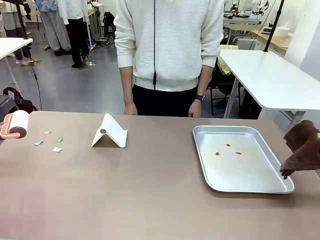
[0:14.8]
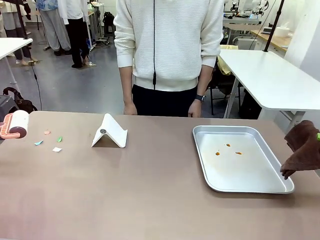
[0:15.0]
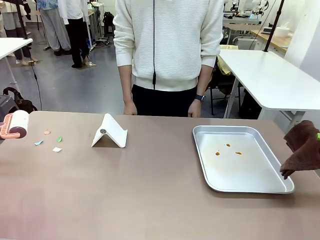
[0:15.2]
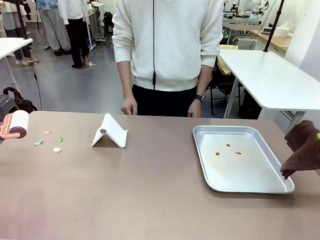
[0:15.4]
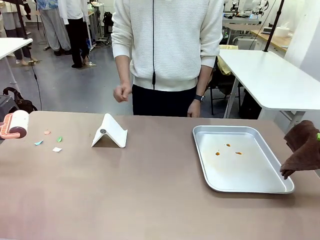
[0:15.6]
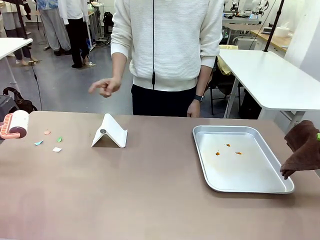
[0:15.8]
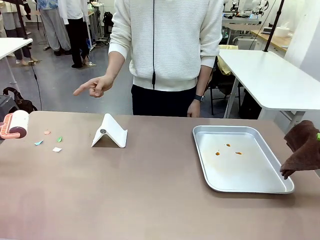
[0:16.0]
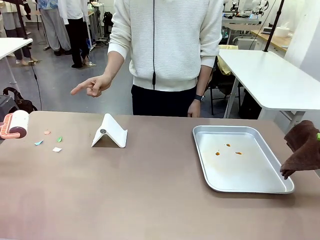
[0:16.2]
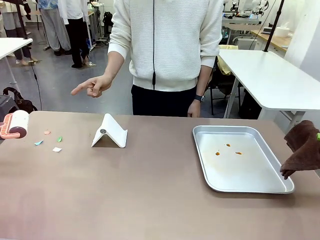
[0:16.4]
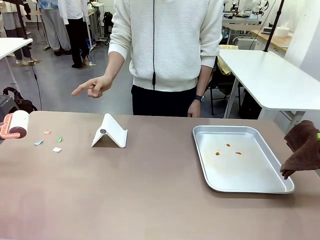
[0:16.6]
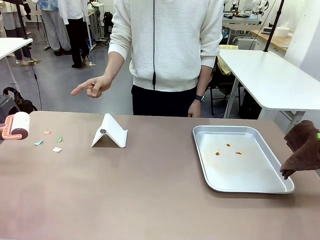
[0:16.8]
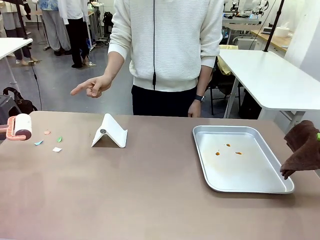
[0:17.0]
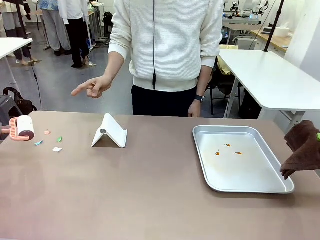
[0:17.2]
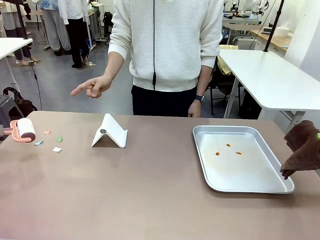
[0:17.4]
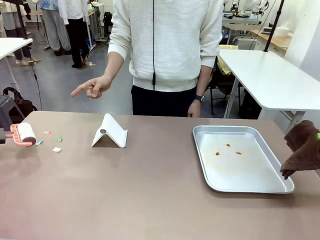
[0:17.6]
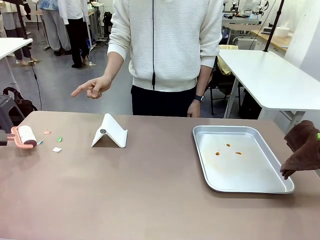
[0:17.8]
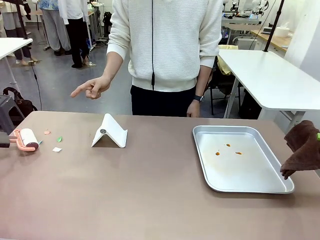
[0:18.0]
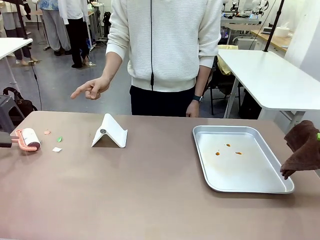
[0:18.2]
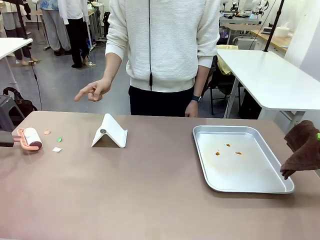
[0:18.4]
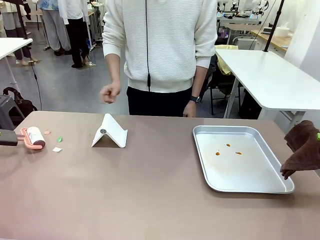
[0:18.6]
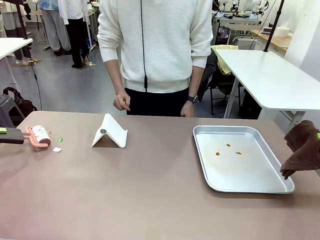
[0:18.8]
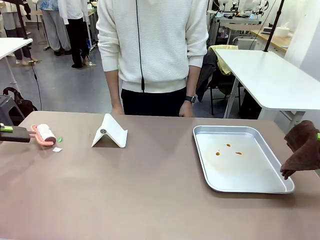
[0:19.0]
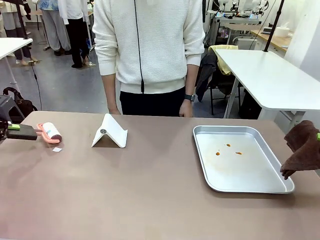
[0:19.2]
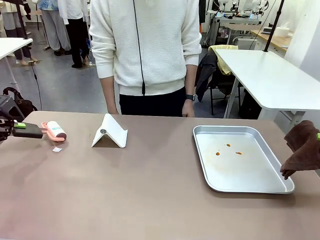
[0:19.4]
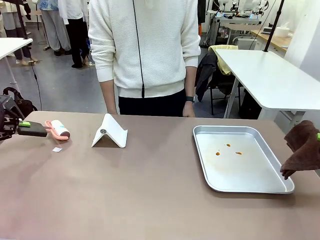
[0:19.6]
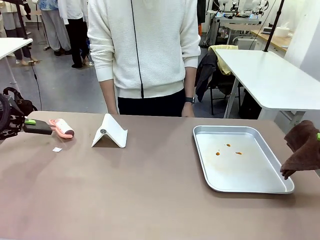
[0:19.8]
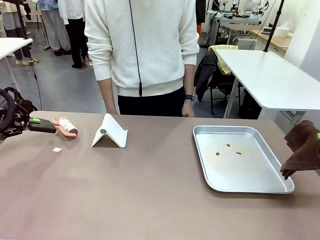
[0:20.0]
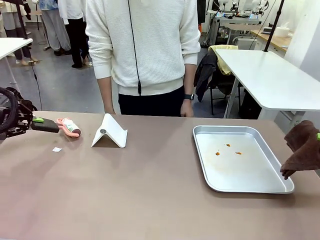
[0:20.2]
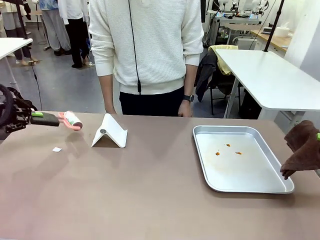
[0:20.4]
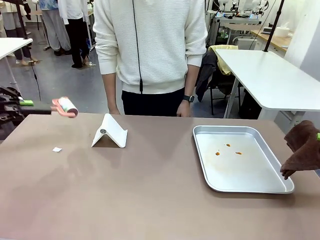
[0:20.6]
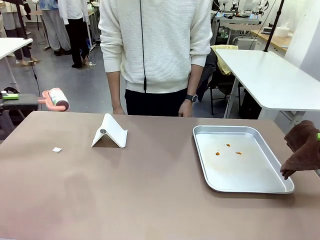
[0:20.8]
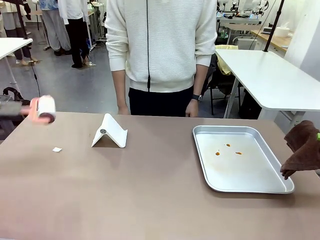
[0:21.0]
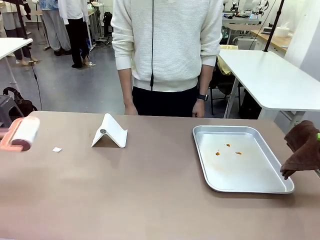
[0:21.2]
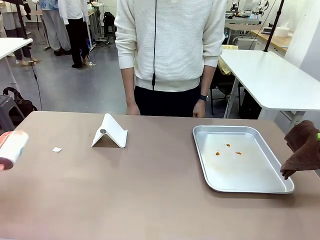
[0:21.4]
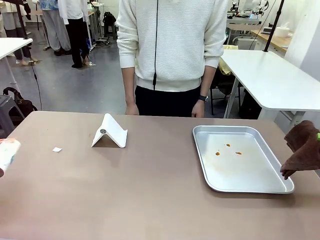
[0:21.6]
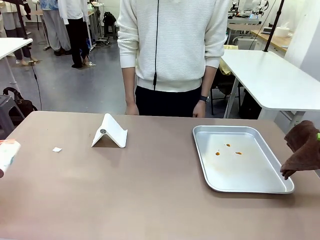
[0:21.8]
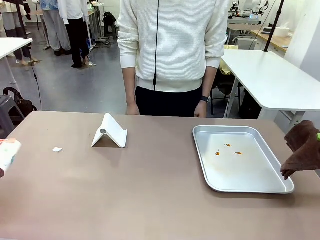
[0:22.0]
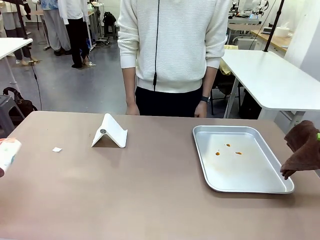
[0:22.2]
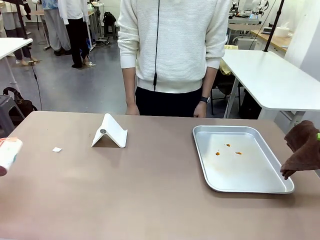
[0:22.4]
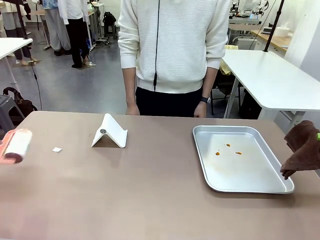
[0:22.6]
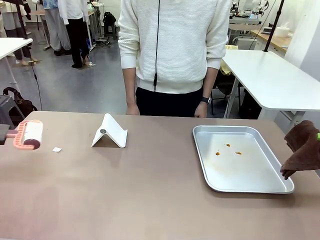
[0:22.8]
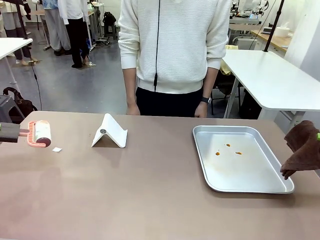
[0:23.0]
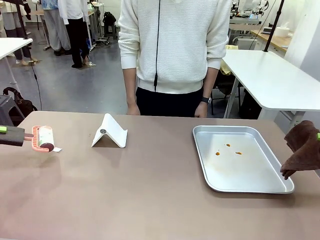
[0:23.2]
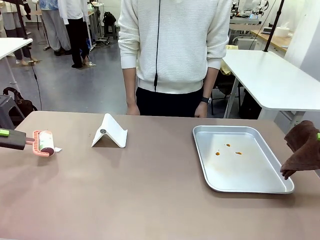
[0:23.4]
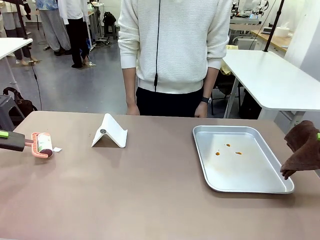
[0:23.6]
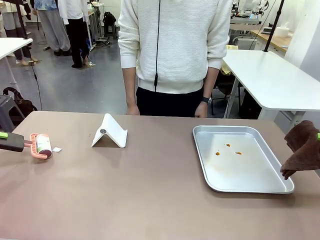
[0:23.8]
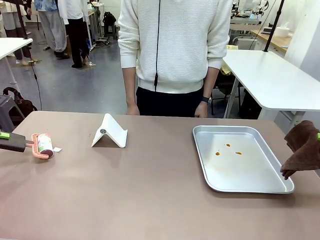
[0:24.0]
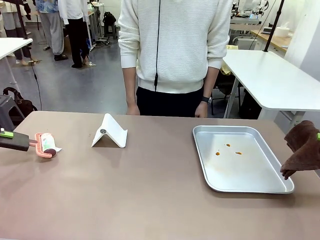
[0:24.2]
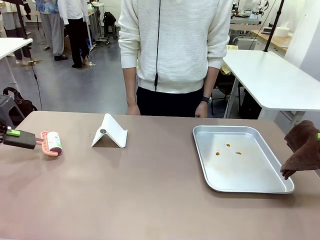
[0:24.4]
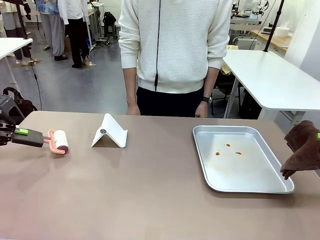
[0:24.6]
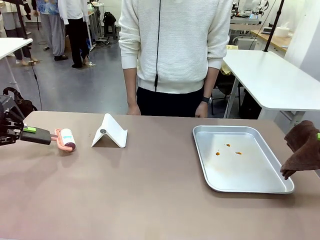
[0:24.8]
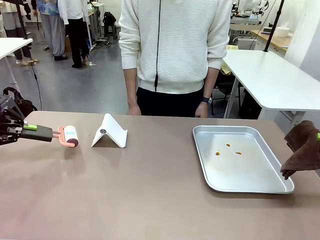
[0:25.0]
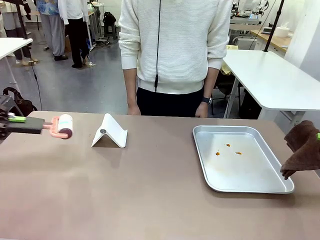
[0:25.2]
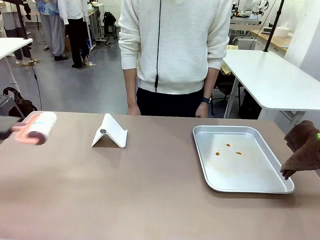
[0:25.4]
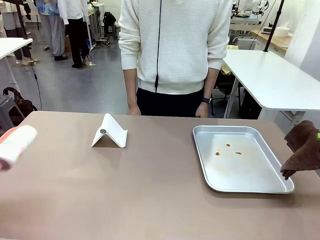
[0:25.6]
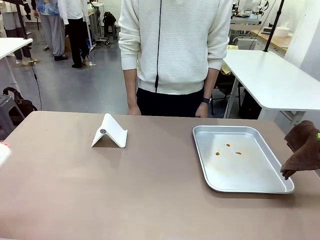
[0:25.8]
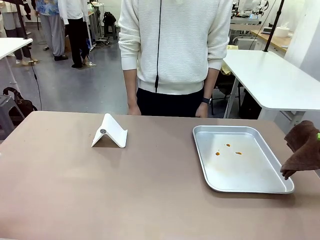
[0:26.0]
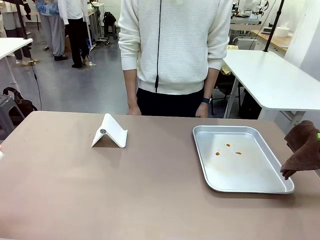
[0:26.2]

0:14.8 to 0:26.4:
Task: Clean the surface of the table.
Robot: If a person points to the right, clean the right side of the table with your right hand, and if they point to the left, clean the left side with your left hand.

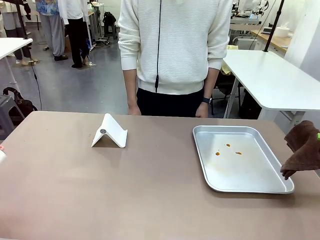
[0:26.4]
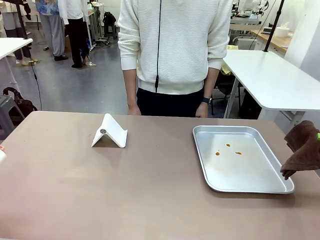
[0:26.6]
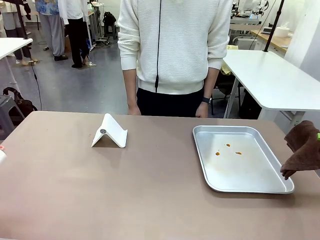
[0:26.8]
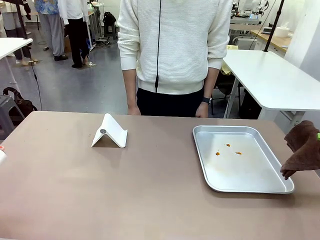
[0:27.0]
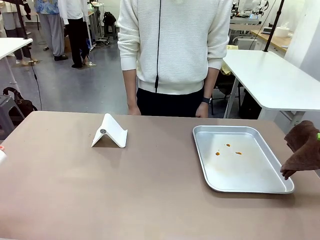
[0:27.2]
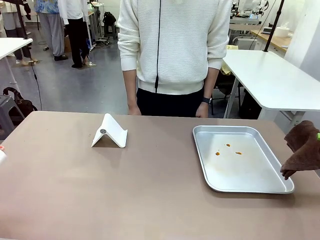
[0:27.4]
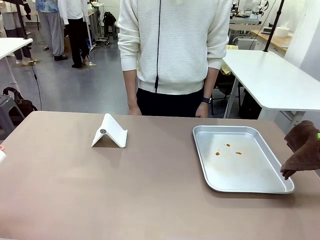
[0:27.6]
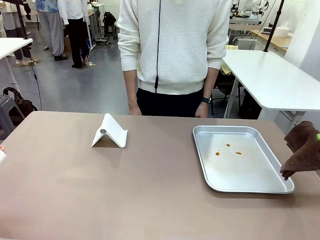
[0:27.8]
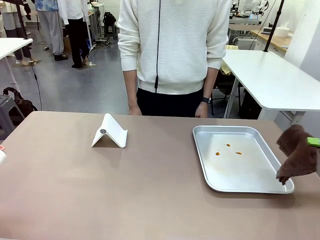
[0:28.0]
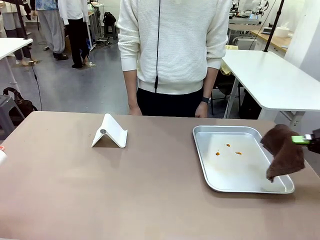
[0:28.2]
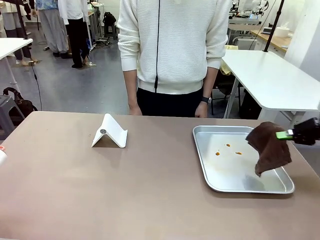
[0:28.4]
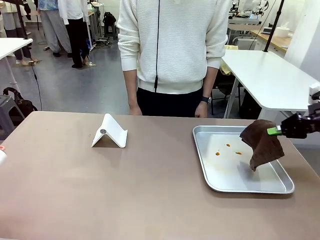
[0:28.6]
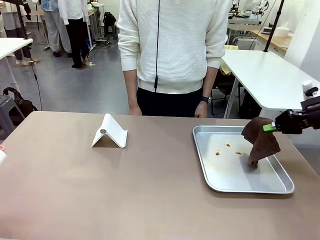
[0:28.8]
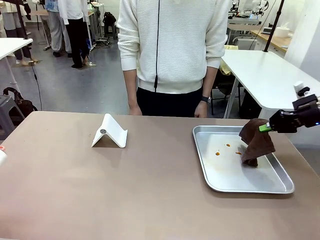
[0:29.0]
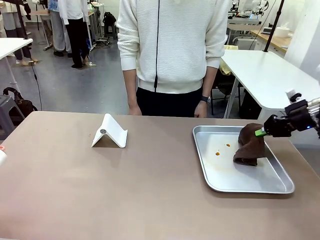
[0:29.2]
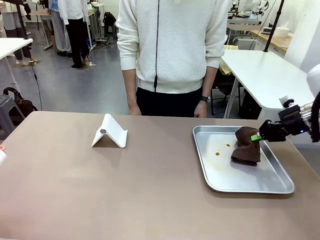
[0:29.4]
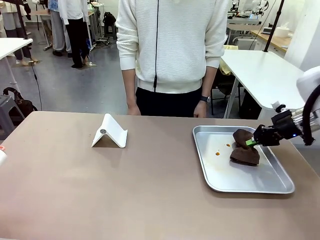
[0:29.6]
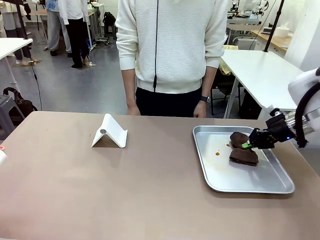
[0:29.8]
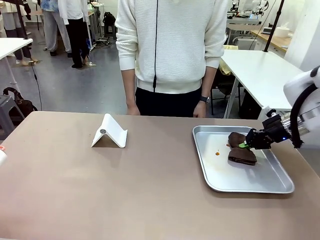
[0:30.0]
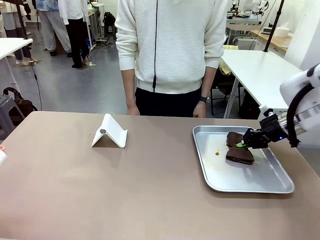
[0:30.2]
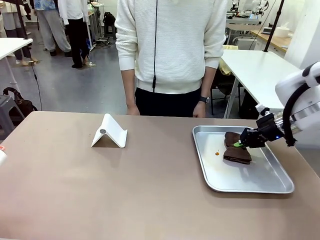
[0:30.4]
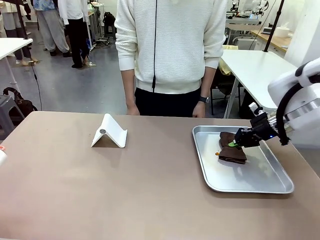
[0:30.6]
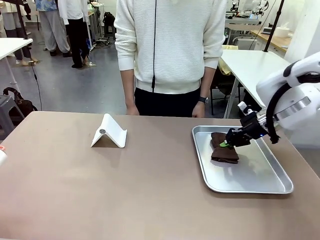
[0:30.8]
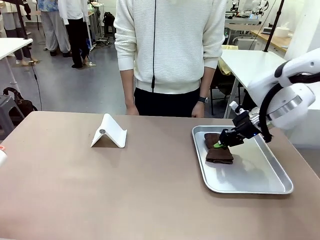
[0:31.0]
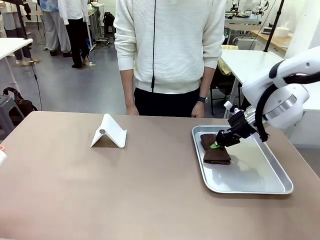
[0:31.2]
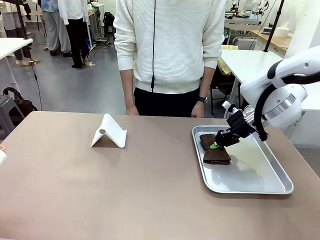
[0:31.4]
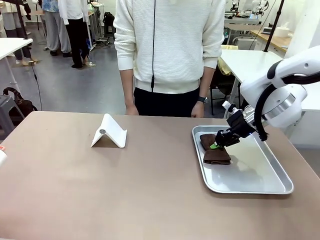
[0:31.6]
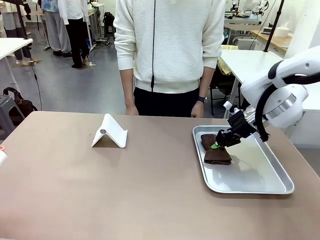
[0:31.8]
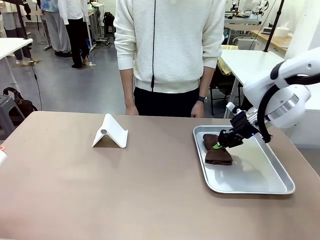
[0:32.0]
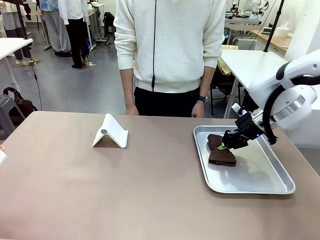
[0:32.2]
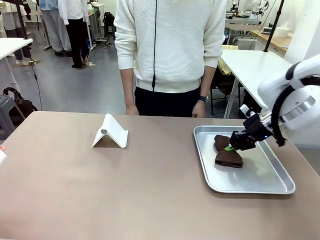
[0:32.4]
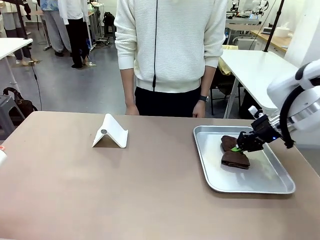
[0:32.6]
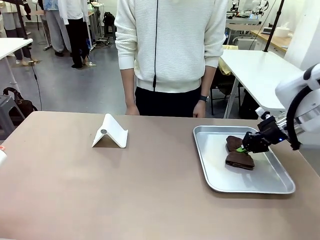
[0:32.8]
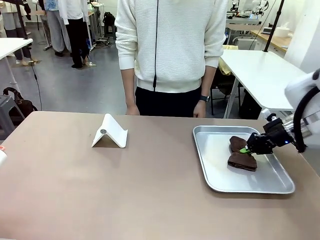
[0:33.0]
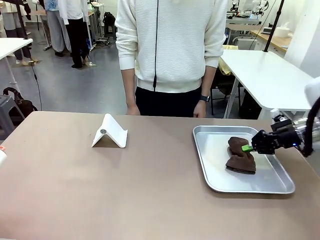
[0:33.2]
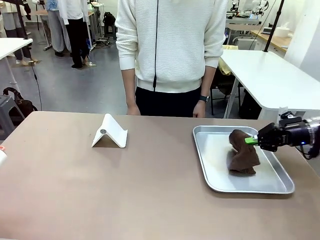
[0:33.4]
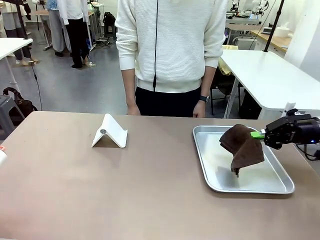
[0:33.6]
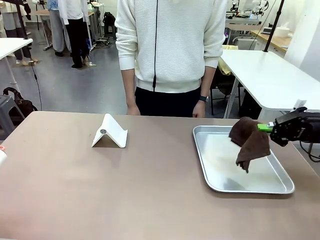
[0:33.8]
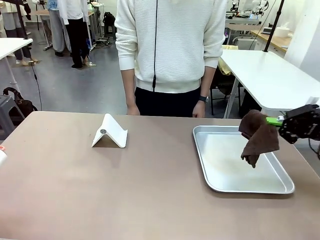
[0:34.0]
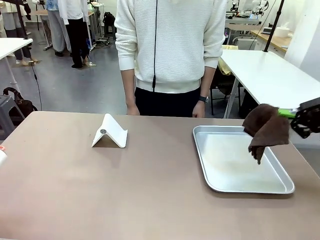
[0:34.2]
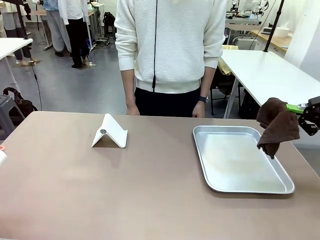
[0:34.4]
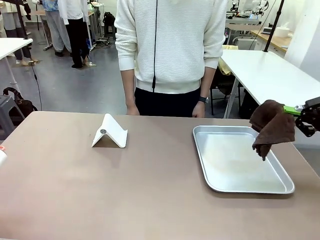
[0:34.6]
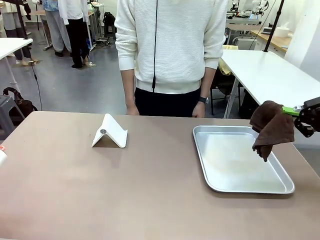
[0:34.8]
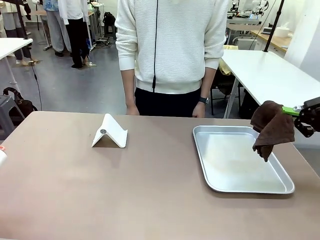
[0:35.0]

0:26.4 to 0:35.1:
Robot: Clean the area not pointed to by the person.
